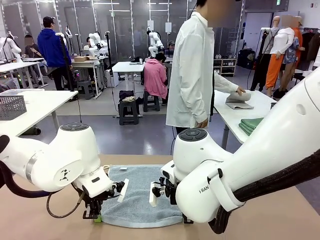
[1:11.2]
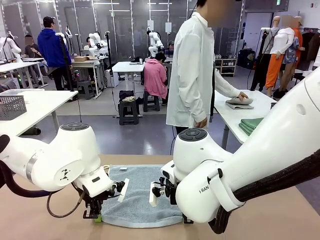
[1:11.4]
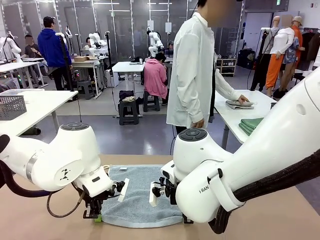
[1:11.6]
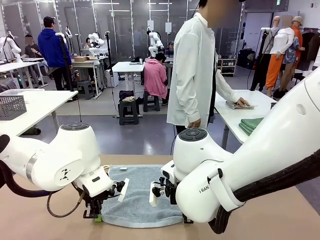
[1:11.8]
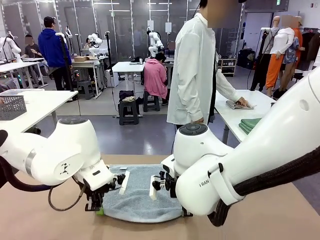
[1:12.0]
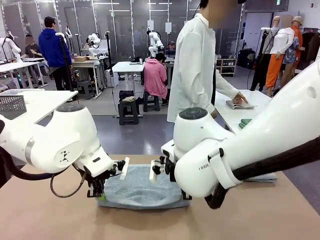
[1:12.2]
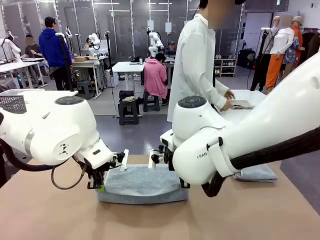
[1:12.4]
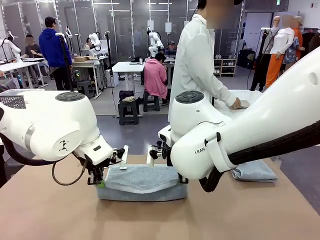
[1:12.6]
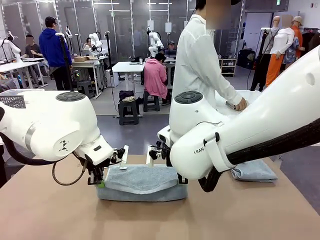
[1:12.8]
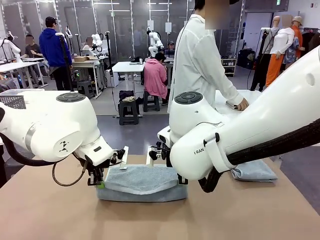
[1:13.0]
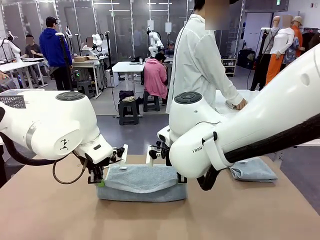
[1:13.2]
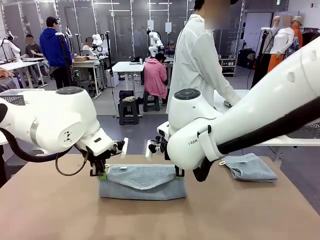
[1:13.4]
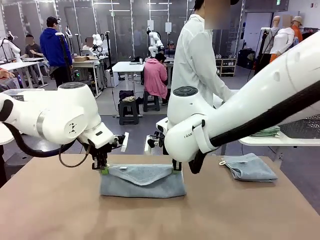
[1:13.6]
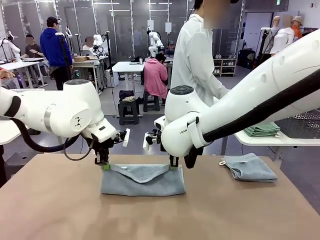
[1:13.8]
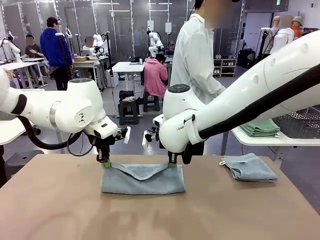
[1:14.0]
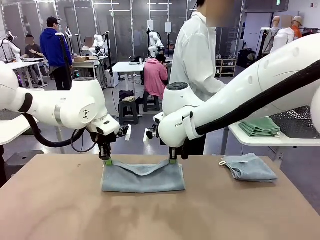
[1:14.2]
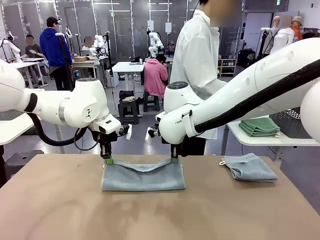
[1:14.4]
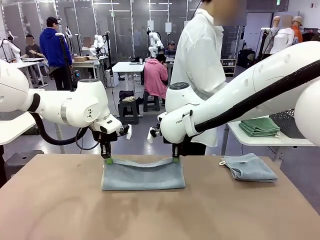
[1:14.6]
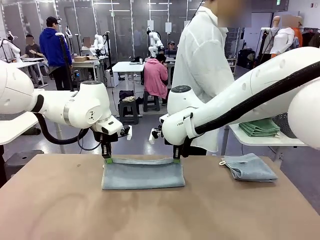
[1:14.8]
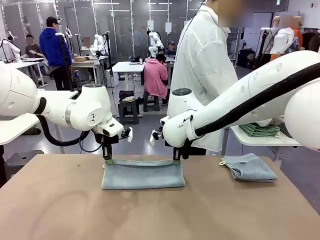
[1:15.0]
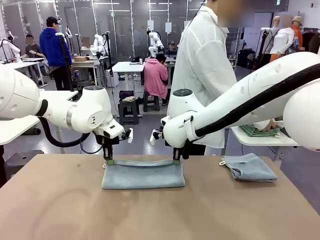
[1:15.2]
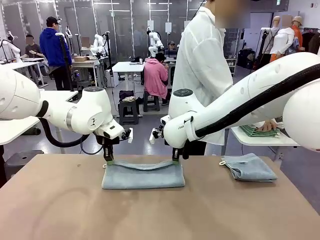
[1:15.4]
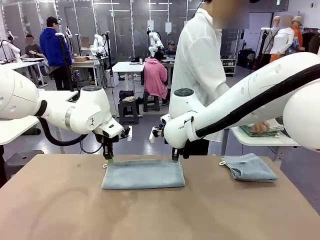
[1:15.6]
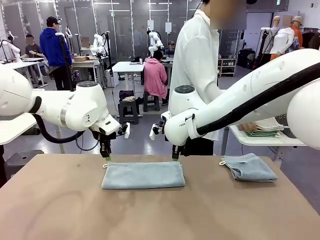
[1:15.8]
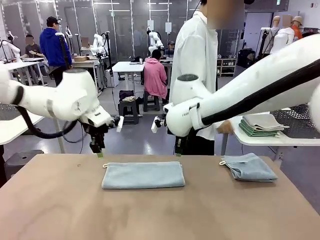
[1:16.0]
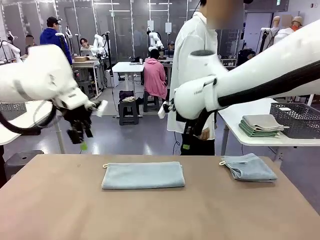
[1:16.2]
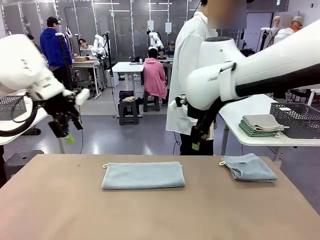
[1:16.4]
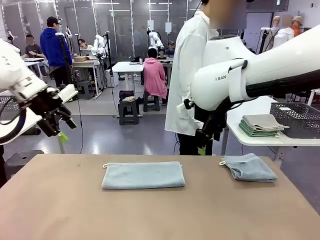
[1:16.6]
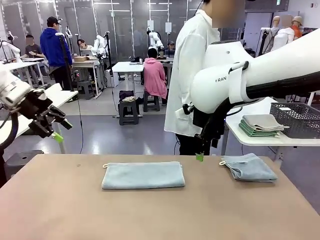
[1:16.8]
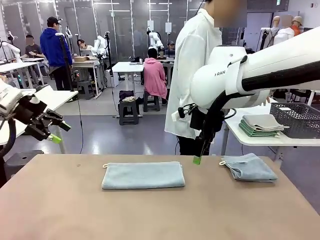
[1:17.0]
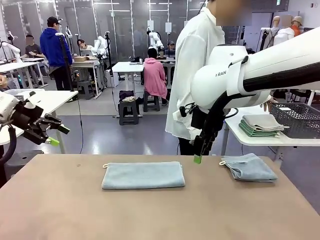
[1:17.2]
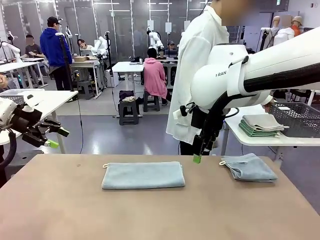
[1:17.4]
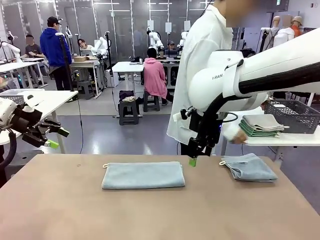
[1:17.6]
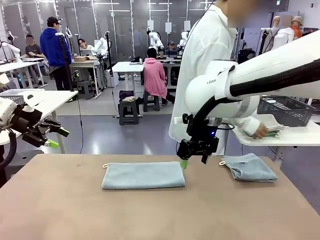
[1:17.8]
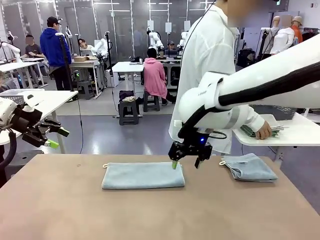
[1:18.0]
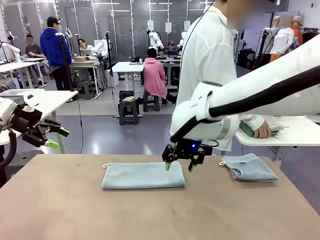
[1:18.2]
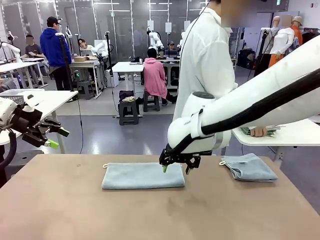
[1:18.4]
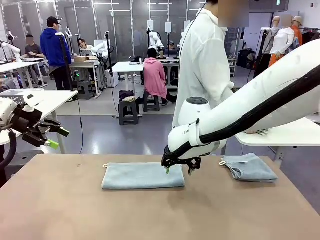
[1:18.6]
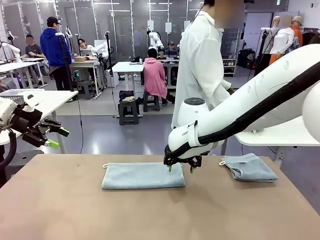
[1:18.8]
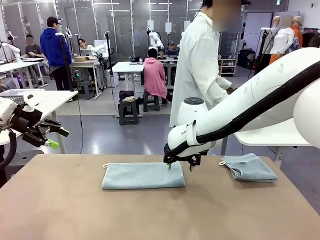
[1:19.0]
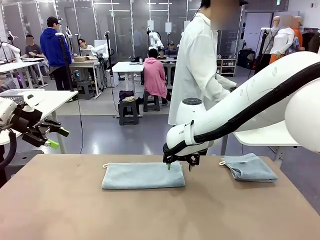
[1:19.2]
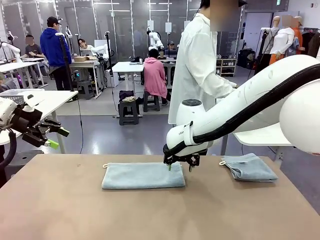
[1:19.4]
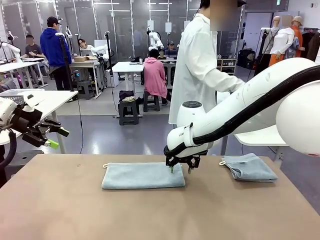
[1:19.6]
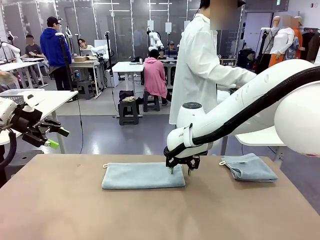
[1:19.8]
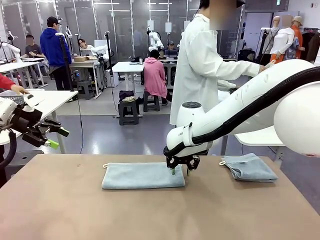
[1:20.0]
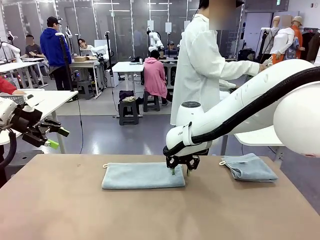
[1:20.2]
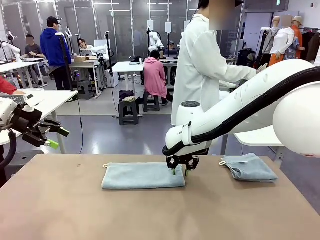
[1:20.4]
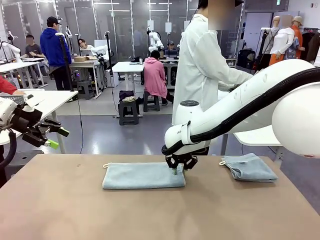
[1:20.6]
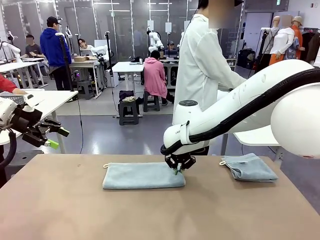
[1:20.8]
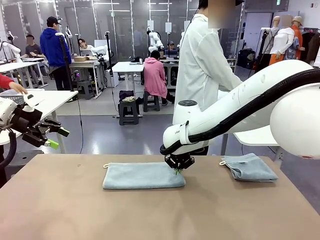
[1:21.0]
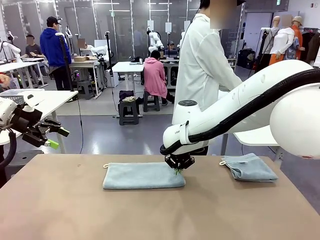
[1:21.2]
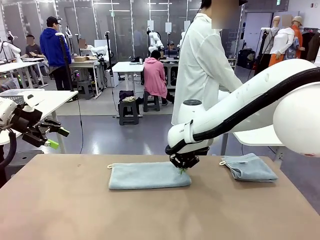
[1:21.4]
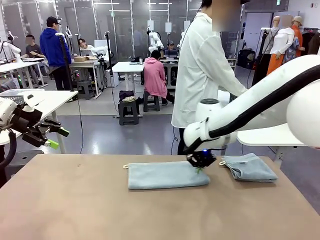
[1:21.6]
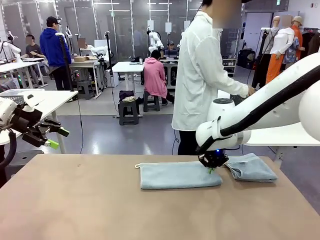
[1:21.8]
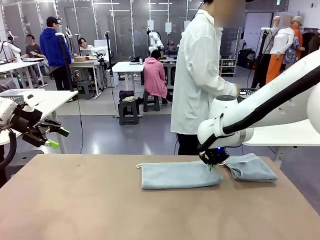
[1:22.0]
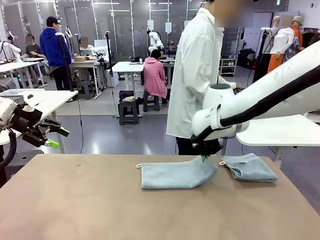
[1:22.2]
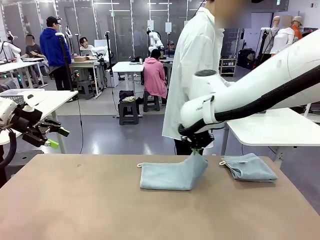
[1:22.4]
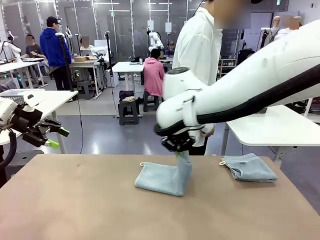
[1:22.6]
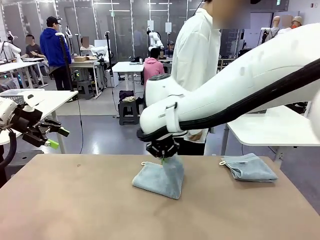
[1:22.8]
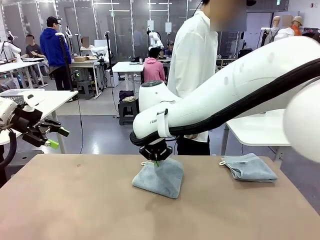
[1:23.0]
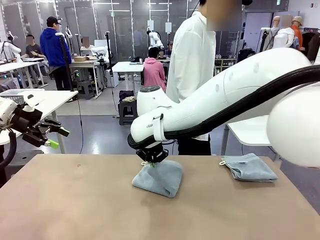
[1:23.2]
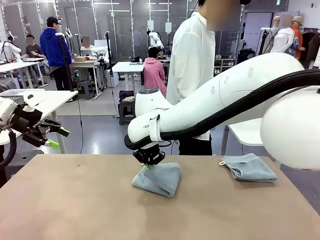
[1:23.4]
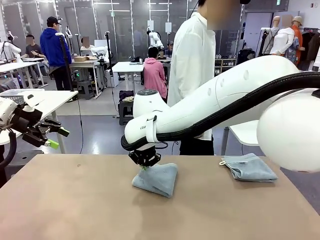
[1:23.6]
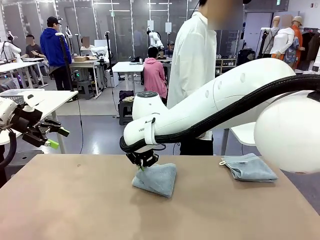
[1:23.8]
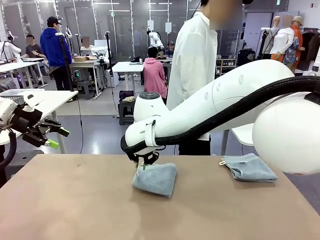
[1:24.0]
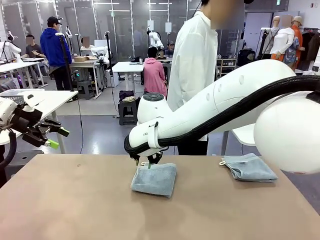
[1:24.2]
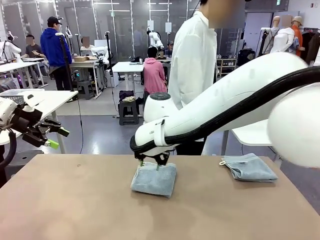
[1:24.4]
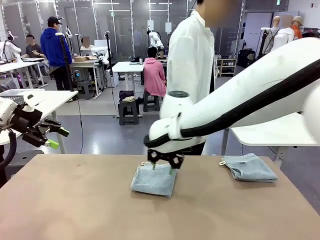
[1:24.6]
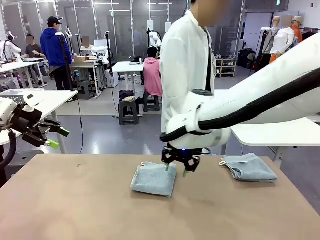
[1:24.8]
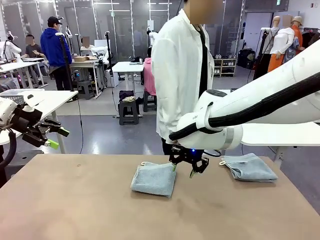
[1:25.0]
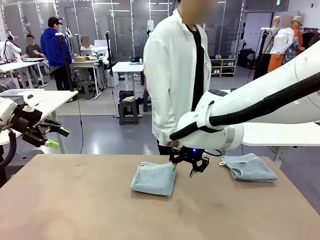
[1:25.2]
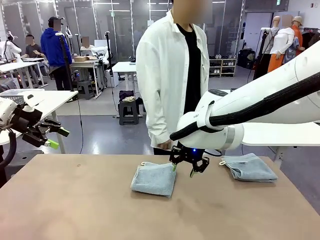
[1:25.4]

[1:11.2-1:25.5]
Task: Fold the towels and place them in the basket.
Robot: When a person lays out a Towel with hook on the table, fold it in half twice.
Person: Pick up the stack of towels from the right side of the human table, place it into the basket, and put the basket at the center of the table.
